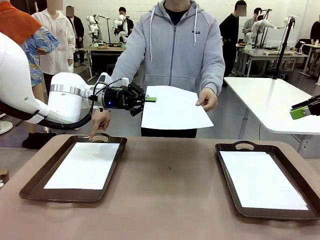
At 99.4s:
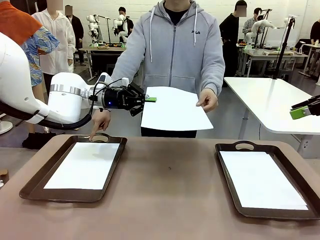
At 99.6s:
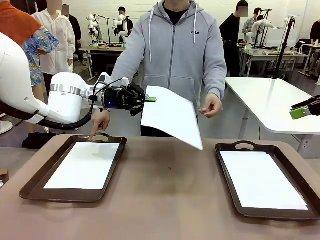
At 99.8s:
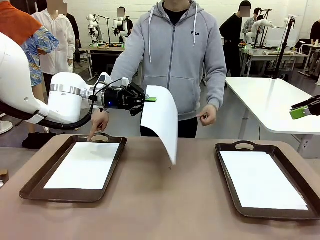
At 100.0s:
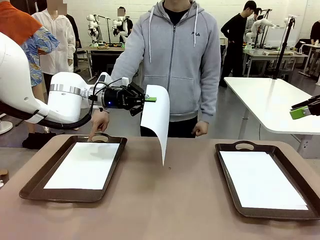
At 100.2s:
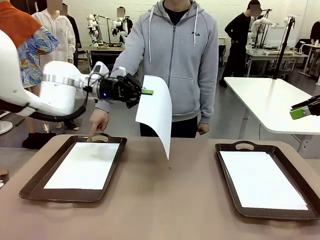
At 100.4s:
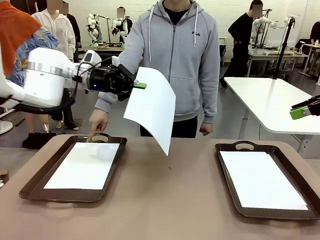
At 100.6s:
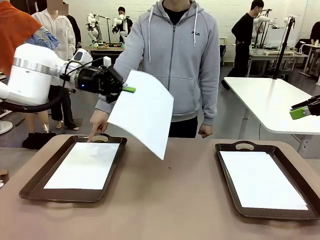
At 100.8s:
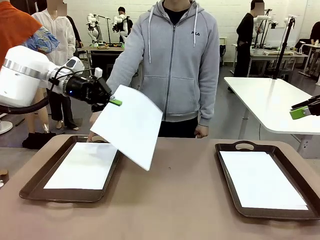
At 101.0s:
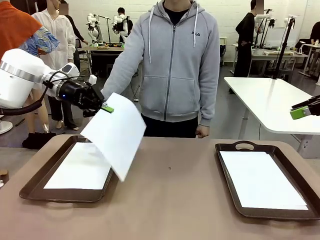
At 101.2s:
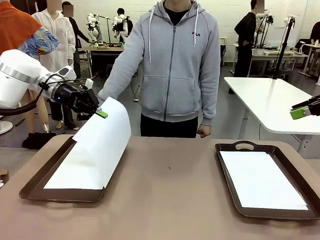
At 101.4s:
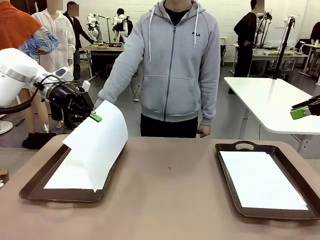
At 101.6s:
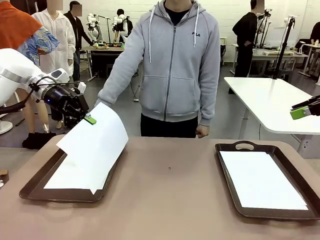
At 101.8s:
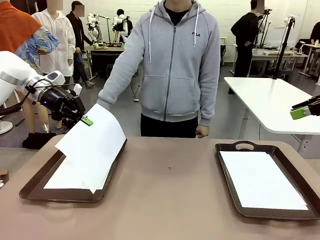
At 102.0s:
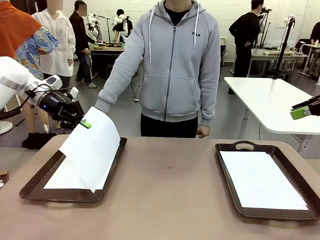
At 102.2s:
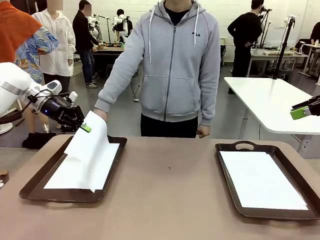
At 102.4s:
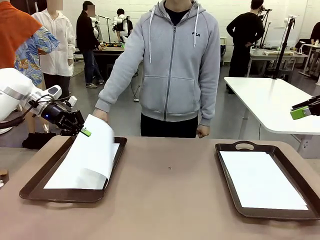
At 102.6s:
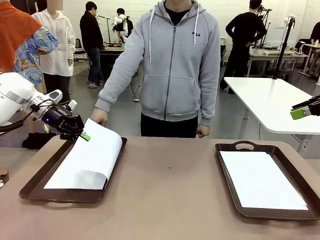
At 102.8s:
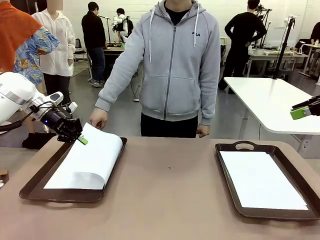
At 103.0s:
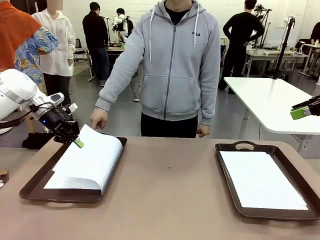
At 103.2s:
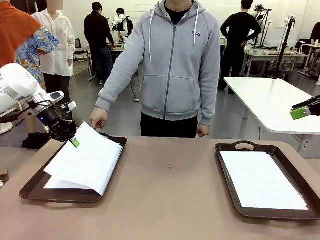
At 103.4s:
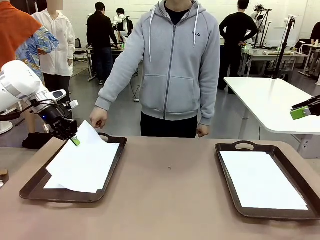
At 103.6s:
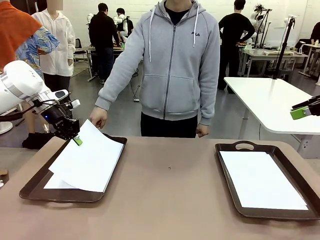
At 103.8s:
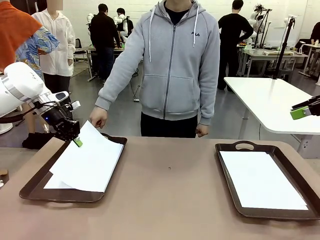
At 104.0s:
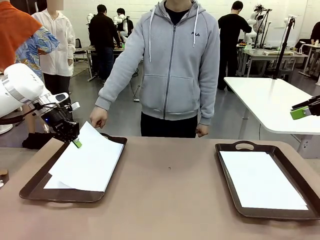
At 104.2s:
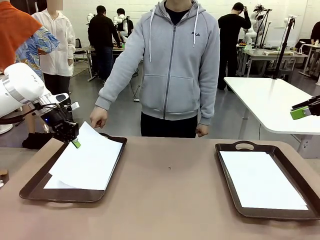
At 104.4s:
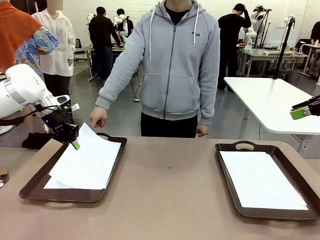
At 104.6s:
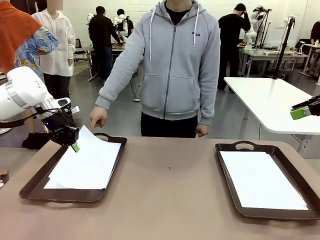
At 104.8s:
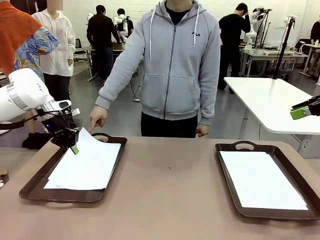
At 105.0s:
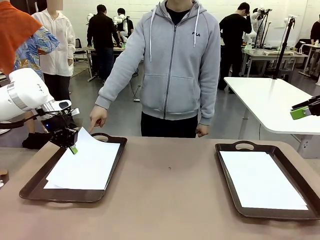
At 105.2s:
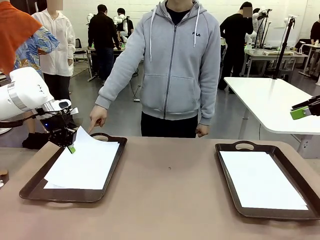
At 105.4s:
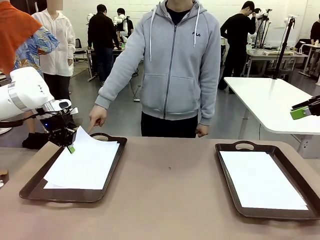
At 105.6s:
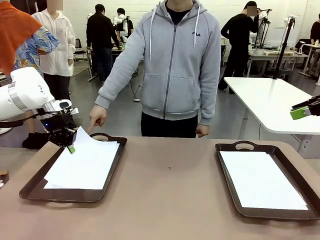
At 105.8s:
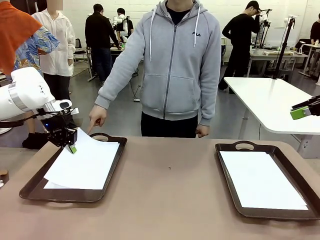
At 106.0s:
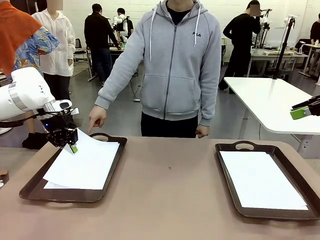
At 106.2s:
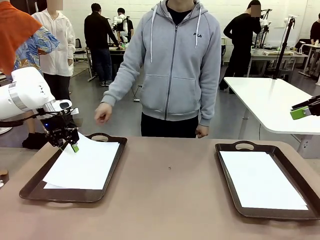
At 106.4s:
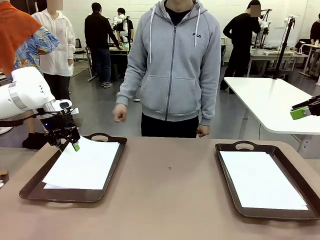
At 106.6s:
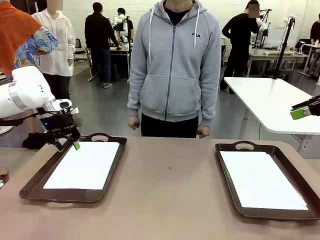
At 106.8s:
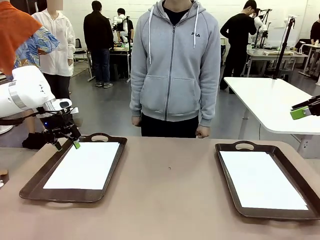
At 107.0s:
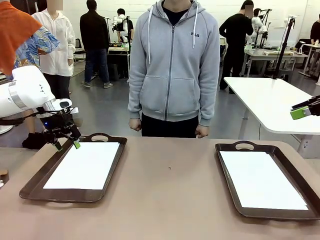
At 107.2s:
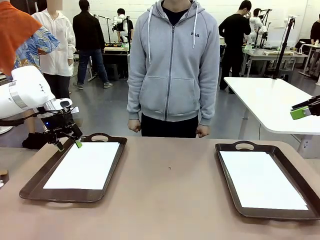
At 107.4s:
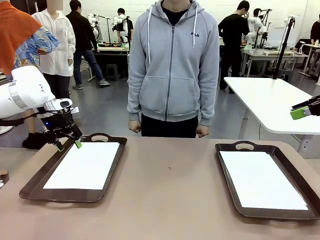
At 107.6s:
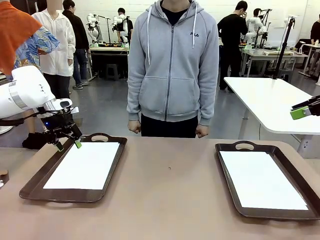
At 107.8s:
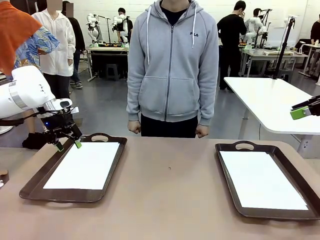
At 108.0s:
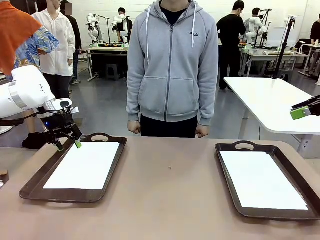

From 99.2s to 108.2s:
Task: Sort the A4 documents.
Robot: Place the A4 Paper in the designated Handle tray.

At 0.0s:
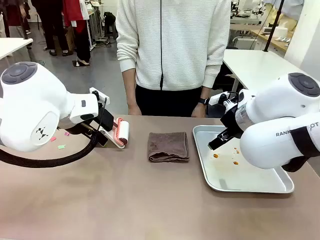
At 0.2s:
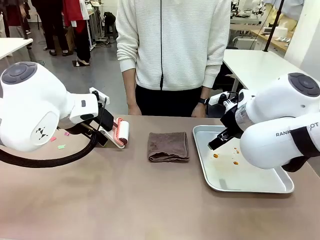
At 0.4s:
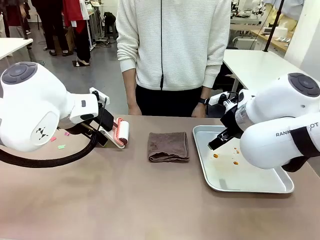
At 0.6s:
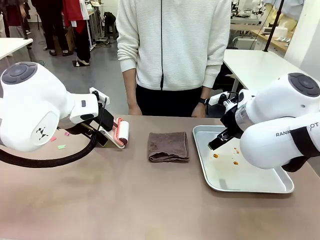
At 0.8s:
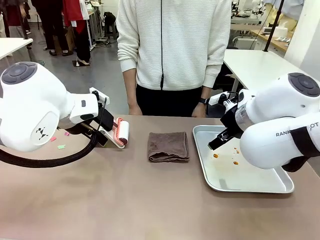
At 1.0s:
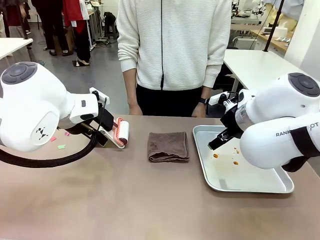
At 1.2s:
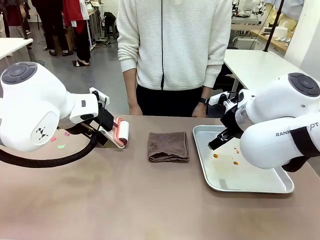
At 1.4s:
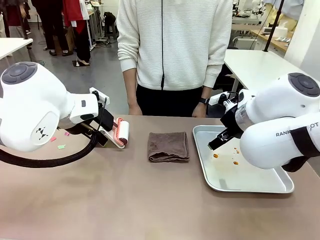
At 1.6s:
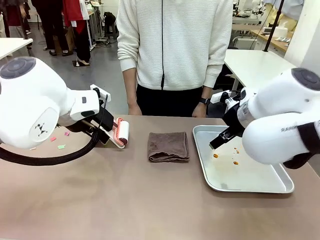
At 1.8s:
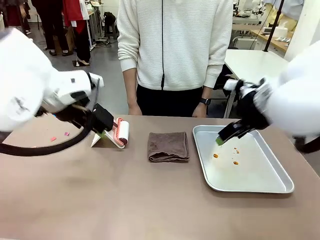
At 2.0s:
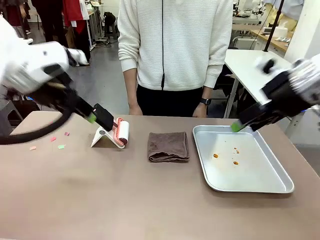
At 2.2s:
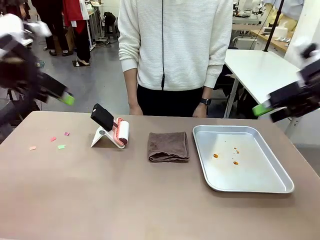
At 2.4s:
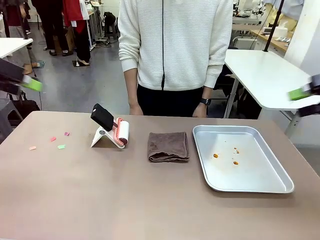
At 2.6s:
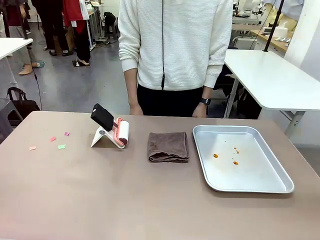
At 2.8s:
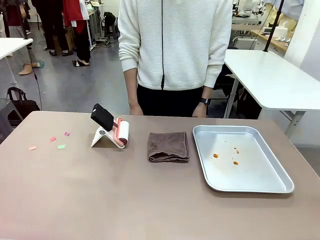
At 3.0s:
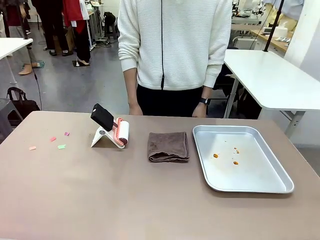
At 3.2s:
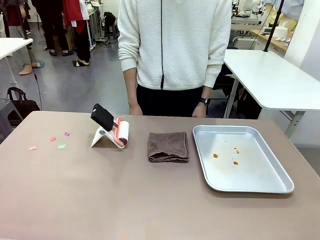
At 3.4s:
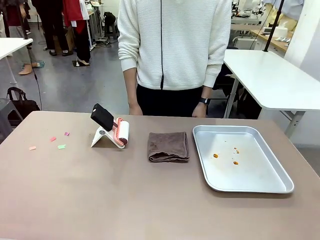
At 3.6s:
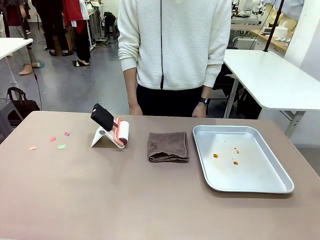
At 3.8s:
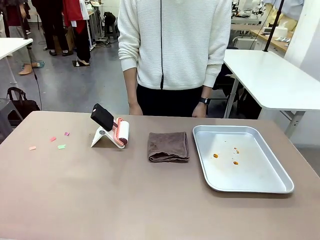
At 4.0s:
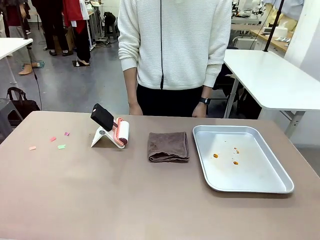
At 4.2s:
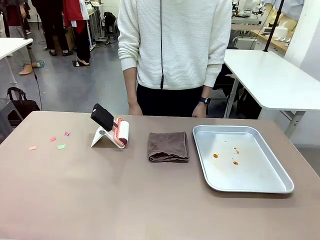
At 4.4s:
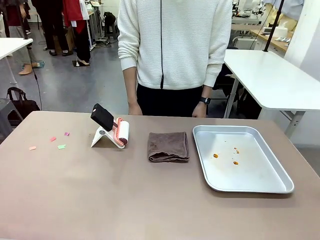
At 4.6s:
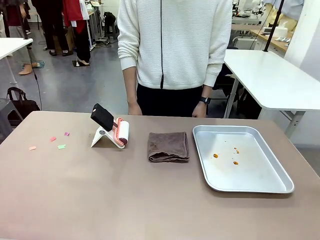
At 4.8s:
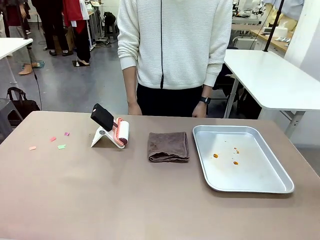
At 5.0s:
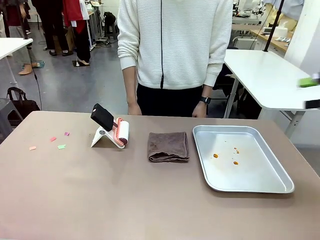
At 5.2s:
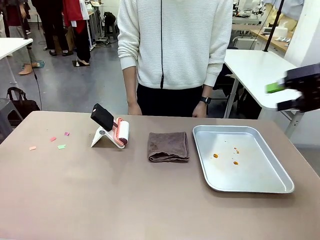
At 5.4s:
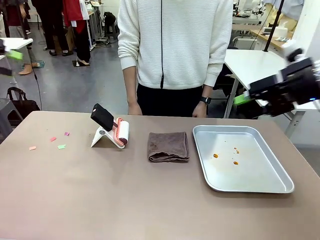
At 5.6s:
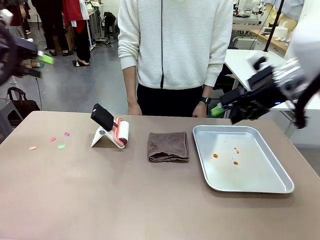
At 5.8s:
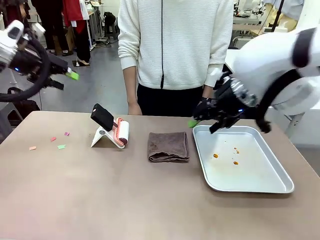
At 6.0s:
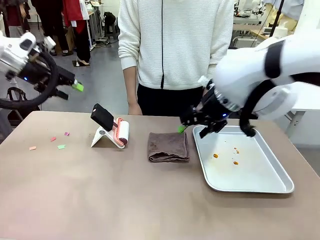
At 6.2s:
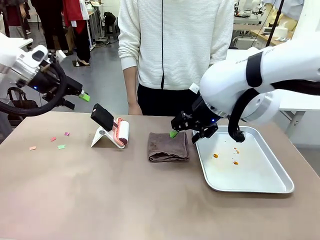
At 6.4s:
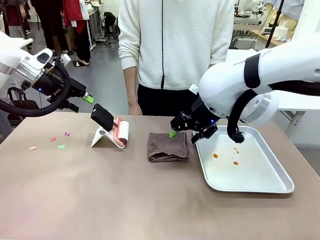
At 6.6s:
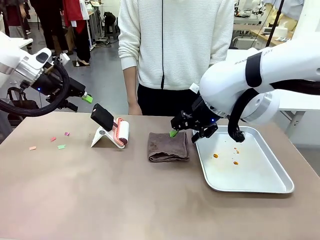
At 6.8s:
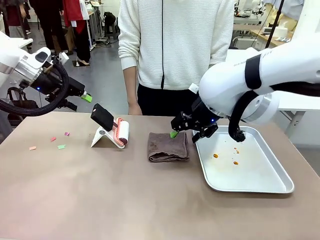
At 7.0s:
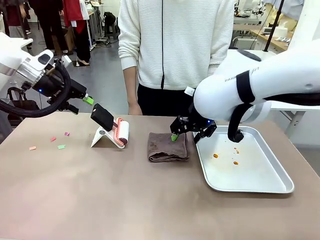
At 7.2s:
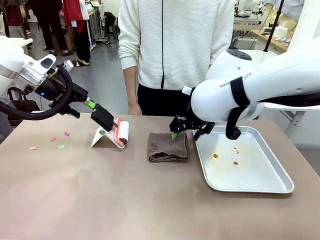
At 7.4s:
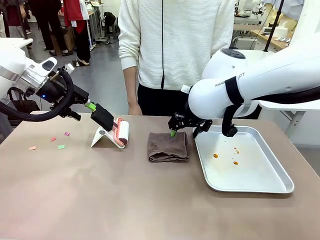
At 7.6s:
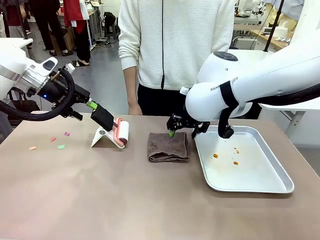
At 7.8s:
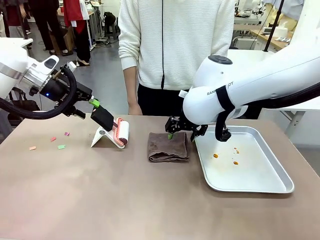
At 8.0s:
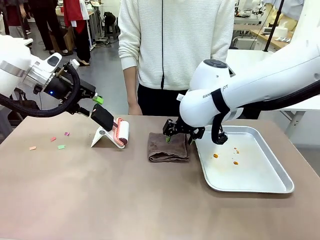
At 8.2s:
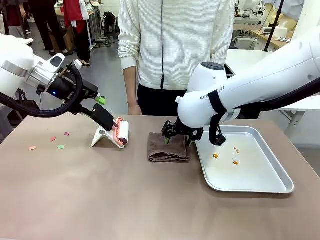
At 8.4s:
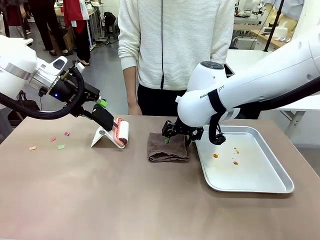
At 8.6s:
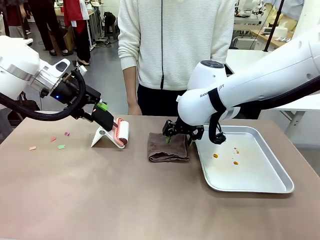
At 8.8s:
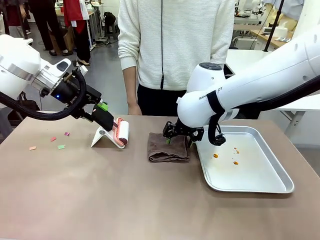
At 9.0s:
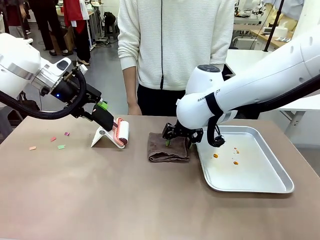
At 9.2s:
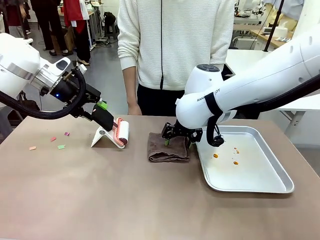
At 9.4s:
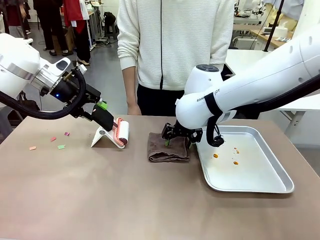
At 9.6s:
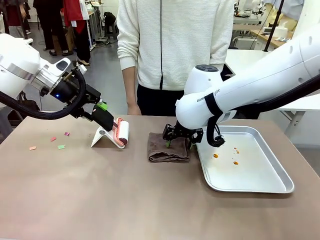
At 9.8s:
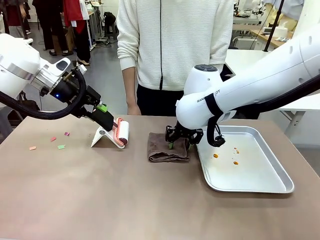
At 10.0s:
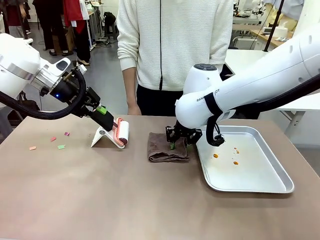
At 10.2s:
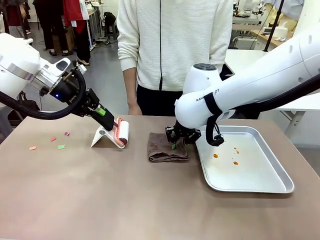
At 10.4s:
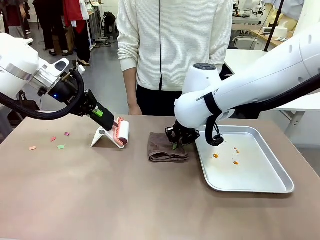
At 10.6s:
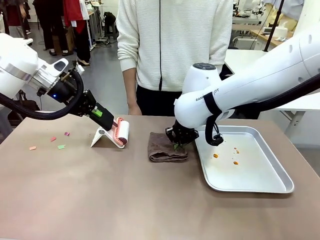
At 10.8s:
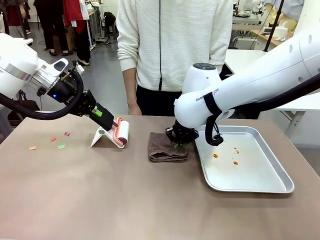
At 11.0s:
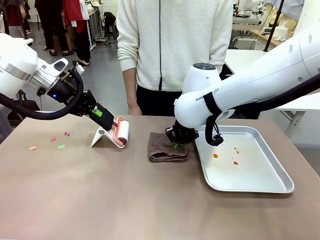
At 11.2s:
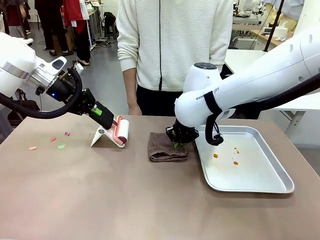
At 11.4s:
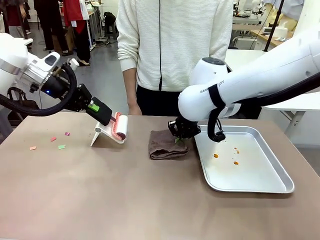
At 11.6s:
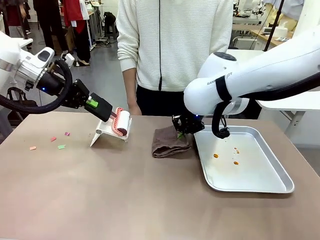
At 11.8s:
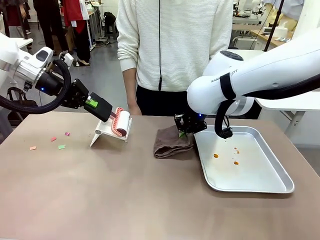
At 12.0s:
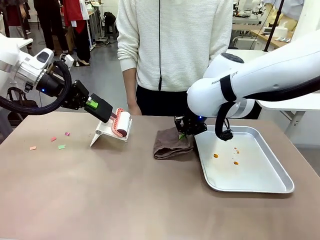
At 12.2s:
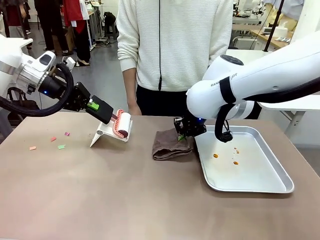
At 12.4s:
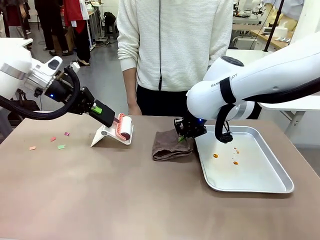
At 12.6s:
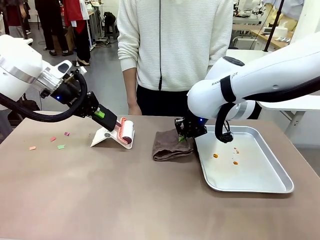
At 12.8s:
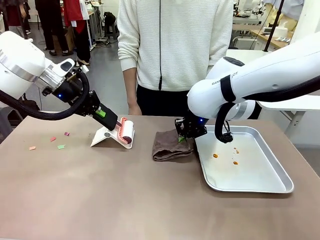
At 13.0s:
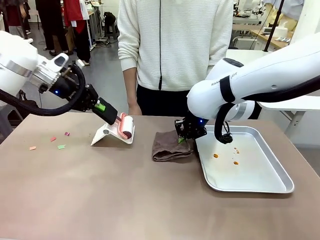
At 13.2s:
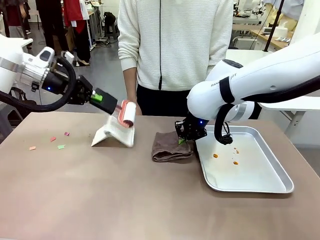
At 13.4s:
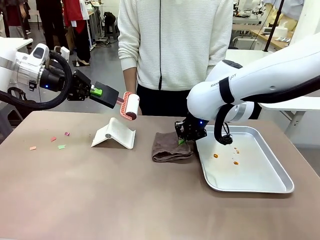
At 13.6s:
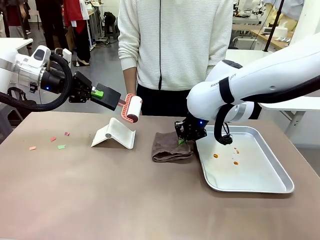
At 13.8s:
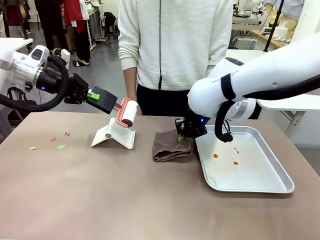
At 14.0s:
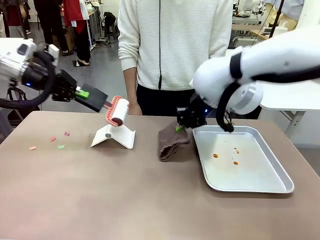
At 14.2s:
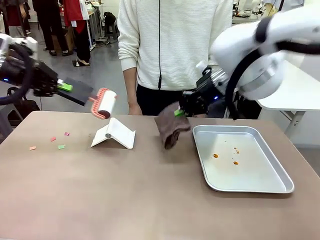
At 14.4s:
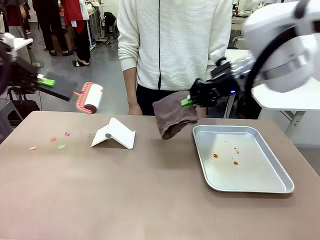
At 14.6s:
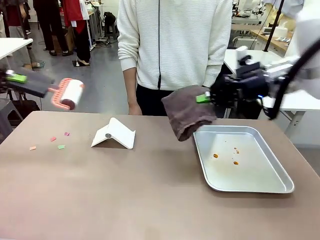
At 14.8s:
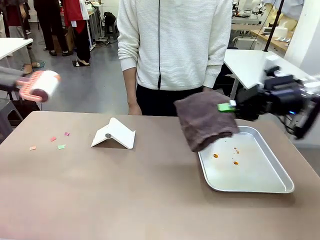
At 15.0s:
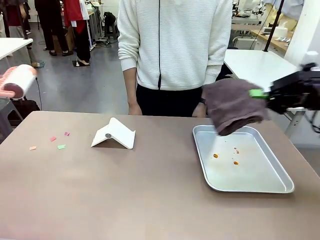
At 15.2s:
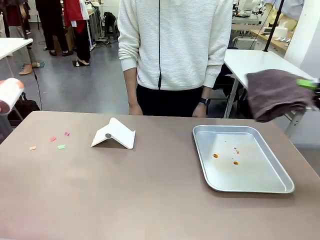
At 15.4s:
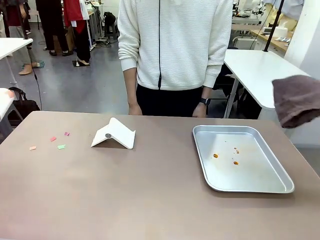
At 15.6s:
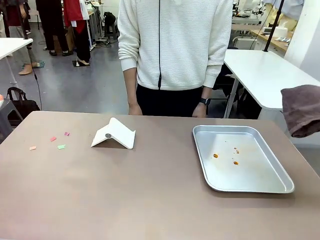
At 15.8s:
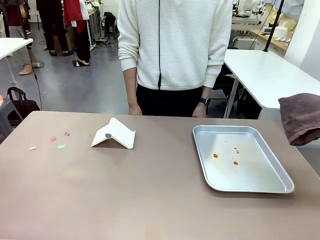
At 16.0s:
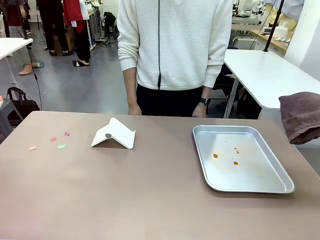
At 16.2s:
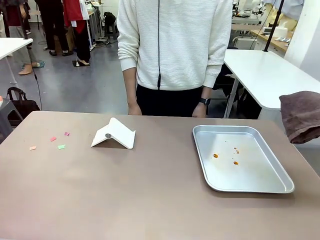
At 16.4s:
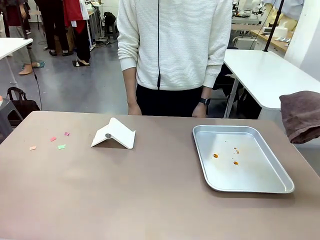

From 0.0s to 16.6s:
Task: Clean the surface of the table.
Robot: Hold the Lint Roller with your left hand and the towel with your right hand.
